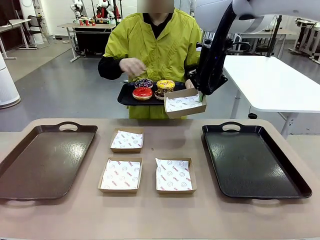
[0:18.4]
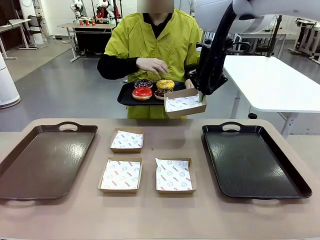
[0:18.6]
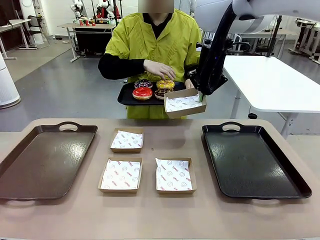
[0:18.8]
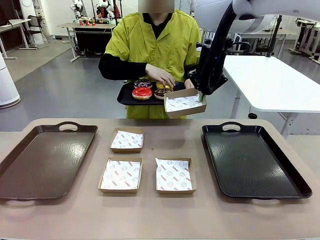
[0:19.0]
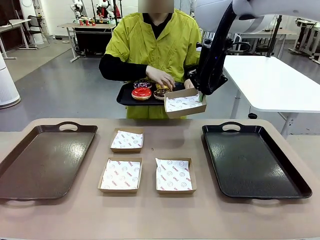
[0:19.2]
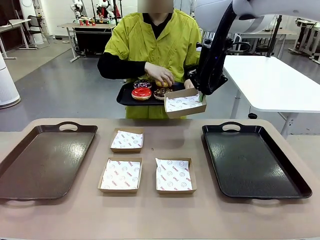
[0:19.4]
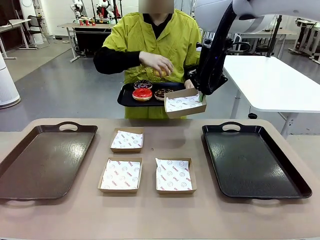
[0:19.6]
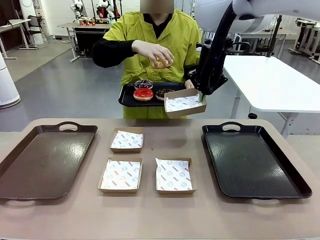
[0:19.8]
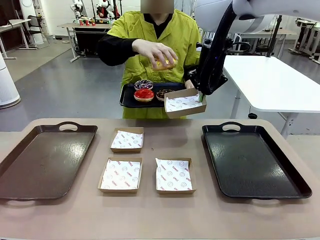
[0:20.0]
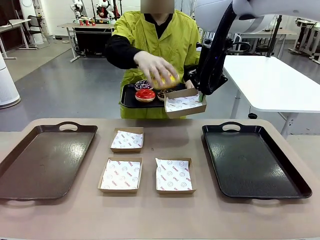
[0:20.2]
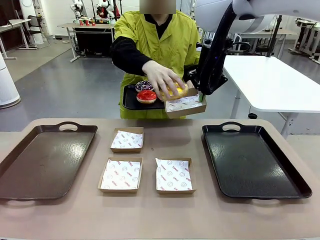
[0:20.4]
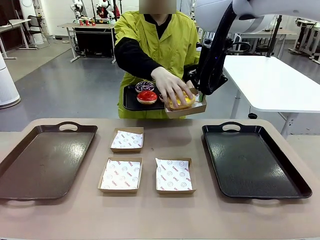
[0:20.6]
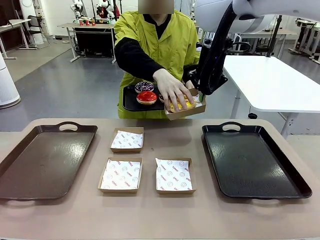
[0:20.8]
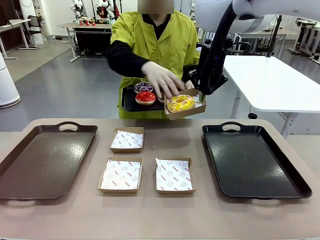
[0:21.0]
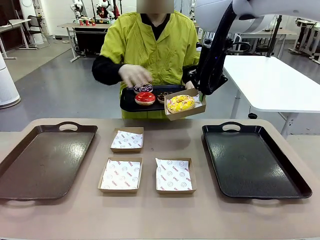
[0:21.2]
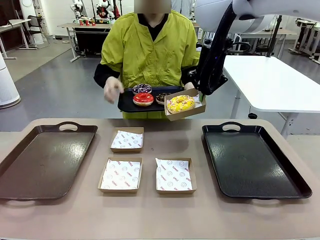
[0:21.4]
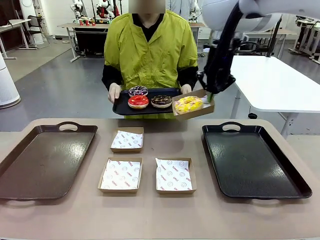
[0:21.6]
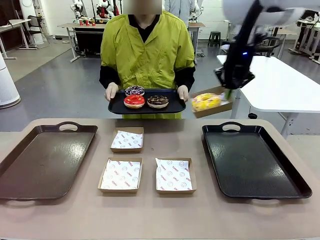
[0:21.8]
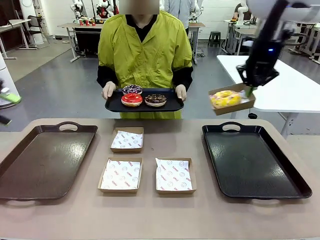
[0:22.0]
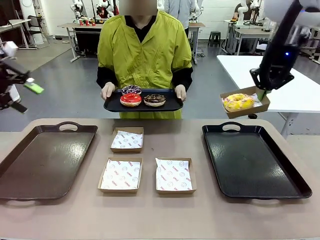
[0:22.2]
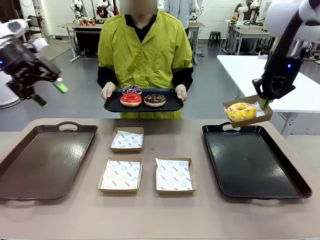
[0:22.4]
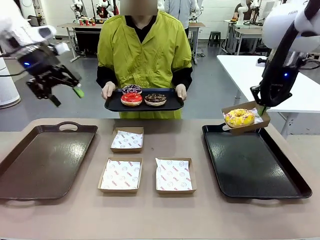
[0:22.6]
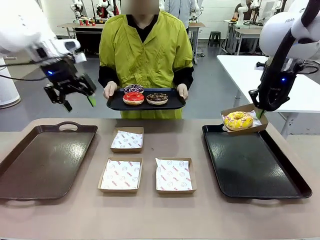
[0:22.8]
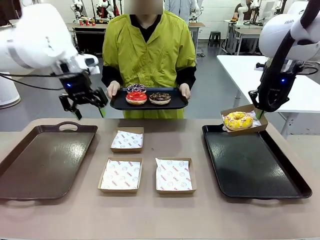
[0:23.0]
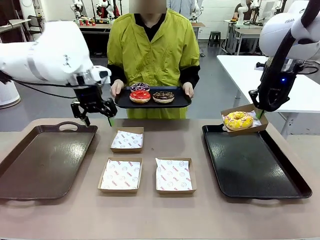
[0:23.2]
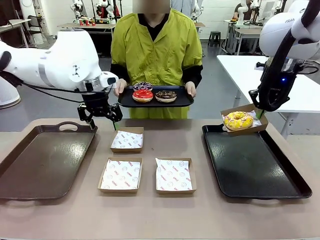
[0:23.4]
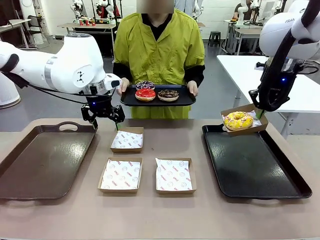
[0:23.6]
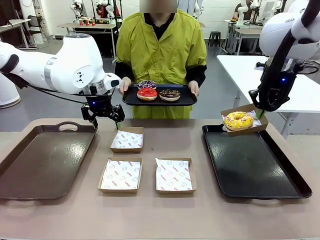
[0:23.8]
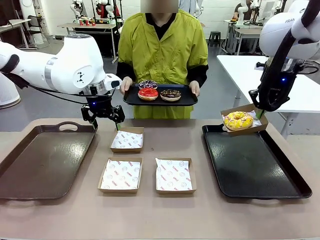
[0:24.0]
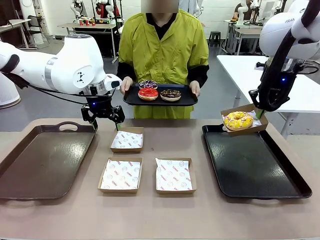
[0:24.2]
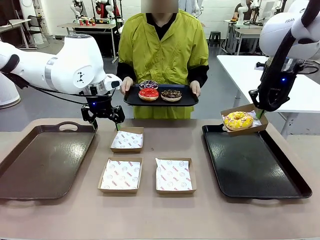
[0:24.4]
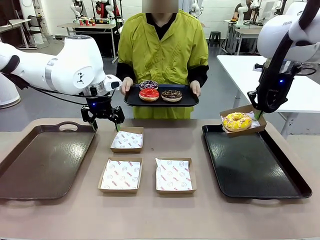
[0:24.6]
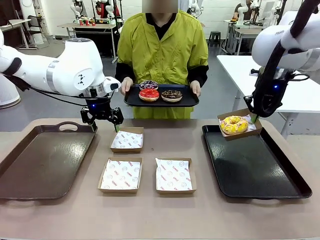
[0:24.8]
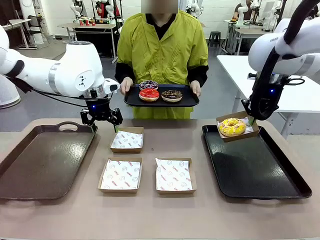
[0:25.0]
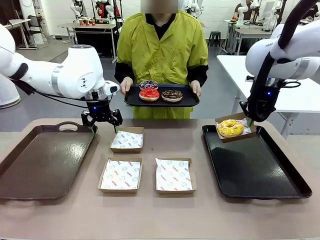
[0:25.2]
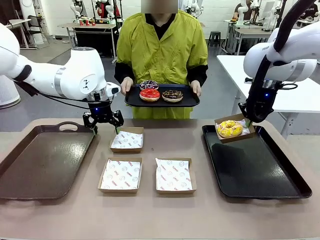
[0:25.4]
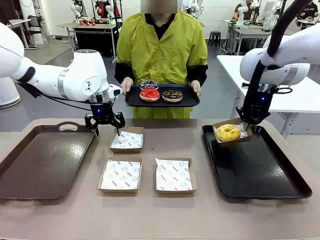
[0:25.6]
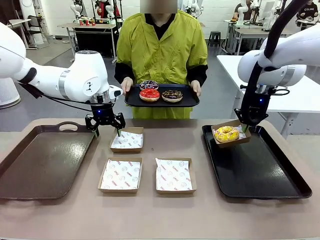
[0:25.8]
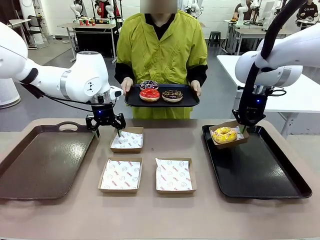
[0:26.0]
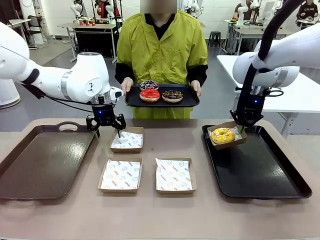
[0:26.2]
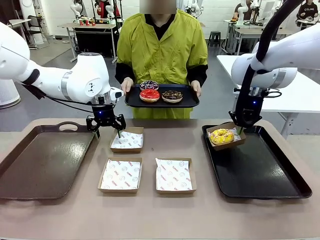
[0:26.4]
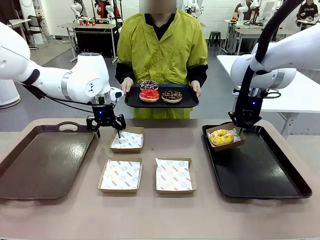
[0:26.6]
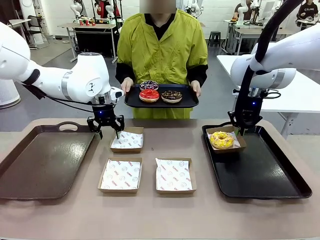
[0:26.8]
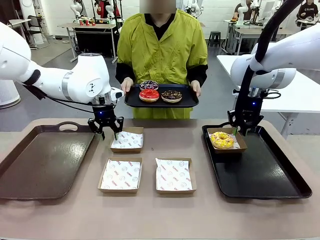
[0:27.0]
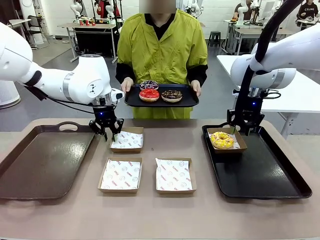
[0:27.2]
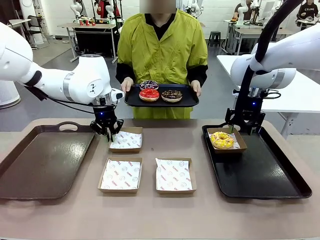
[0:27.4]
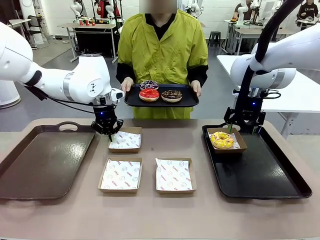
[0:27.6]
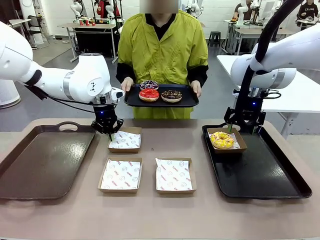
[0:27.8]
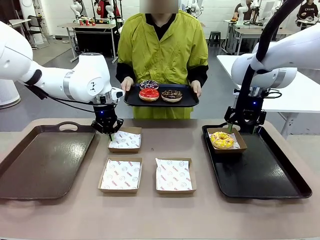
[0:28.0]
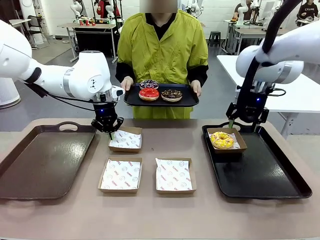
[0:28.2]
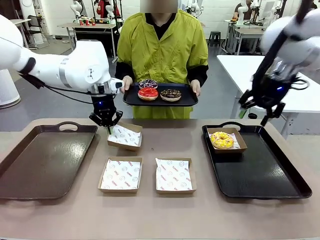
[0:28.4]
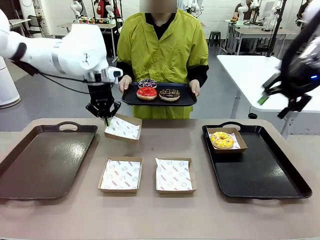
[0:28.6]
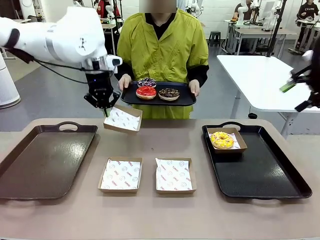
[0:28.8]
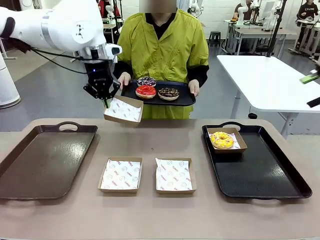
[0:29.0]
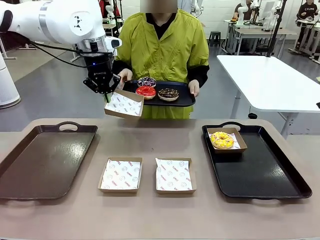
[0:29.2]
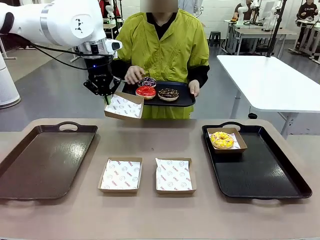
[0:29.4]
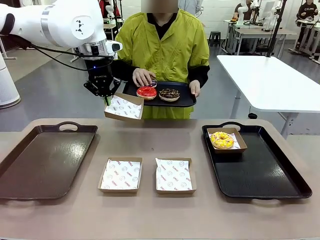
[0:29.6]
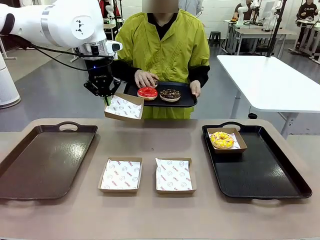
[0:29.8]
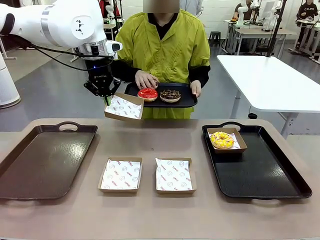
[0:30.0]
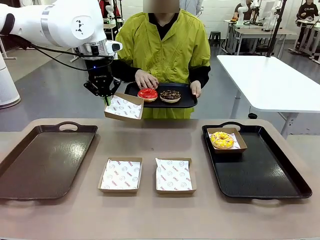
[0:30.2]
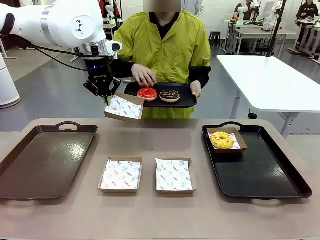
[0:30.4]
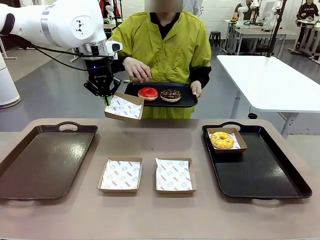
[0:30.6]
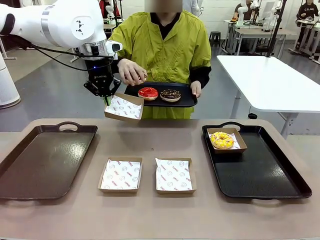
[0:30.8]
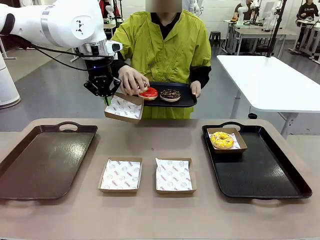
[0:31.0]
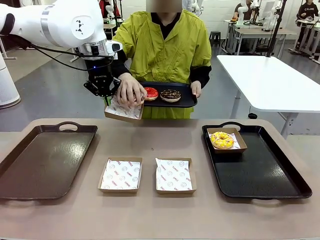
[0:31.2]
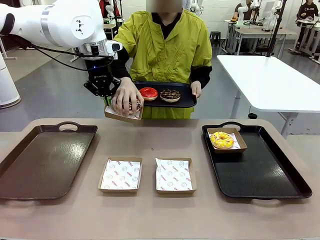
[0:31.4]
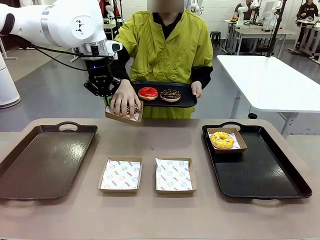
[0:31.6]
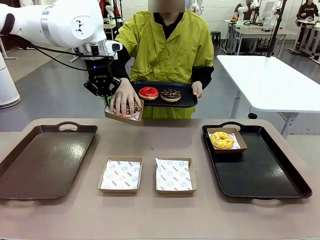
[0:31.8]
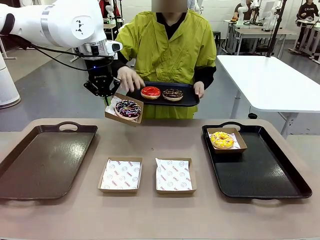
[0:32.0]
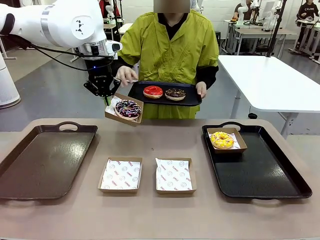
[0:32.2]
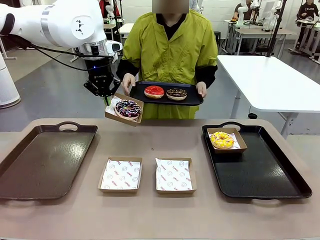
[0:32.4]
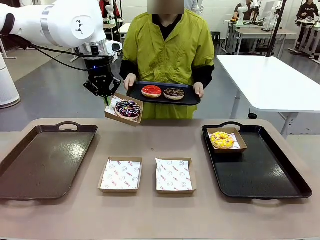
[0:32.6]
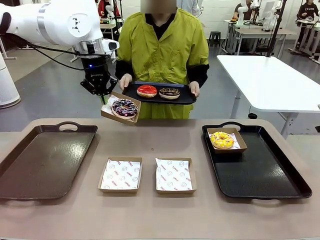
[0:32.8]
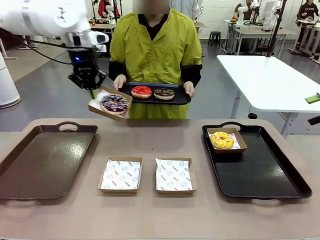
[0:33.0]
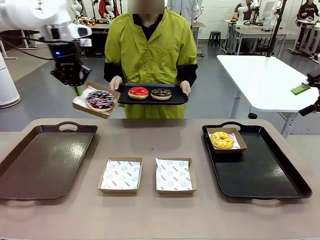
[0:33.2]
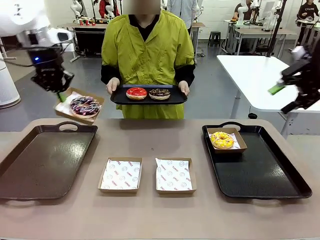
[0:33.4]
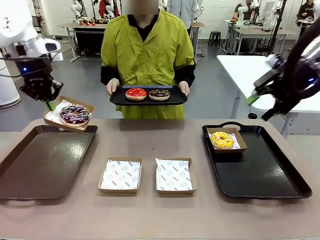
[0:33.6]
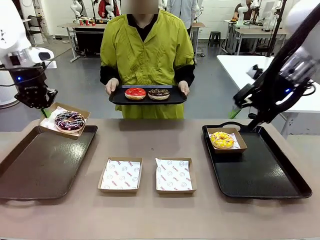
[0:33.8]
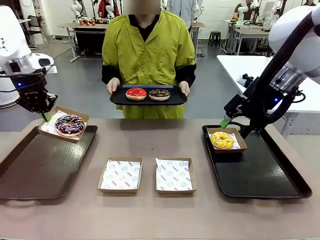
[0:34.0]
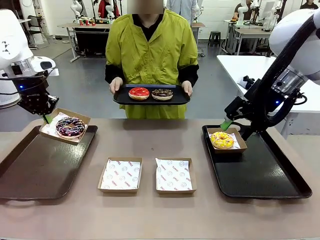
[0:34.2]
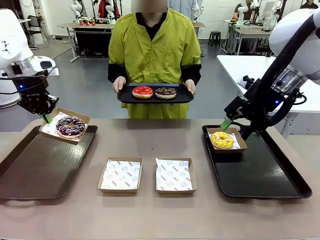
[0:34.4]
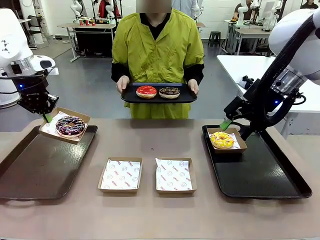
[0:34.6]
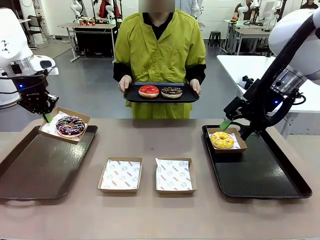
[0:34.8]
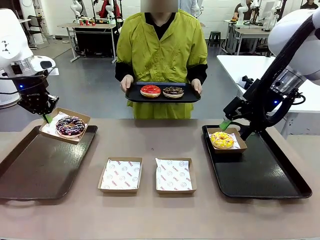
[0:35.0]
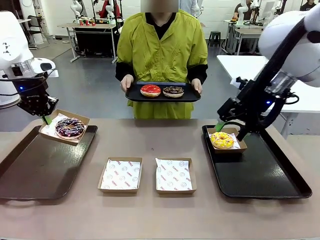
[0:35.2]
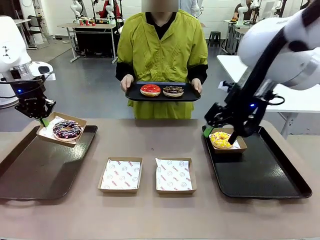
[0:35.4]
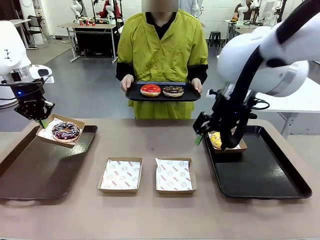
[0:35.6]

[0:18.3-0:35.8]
Task: Individually package the donuts and arrange them on the tray.
Robot: Place the picked Paper togo box on the Handle tray while simultaneously picking up another Paper togo box from the table with the other hand.
